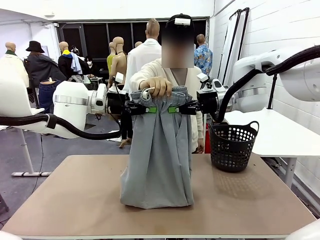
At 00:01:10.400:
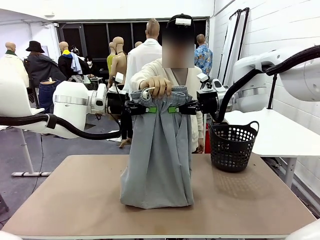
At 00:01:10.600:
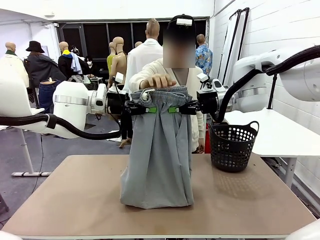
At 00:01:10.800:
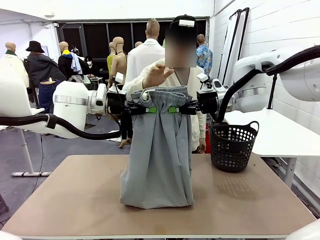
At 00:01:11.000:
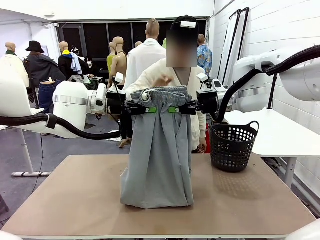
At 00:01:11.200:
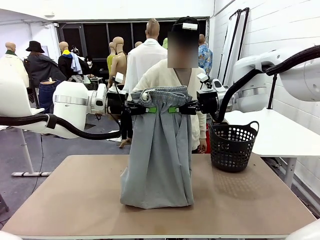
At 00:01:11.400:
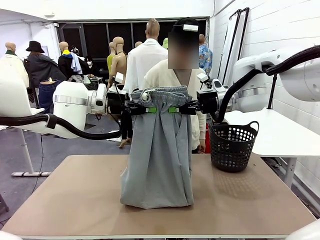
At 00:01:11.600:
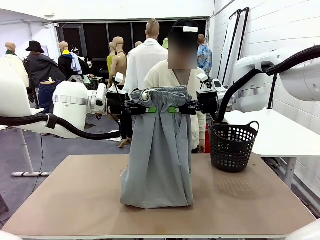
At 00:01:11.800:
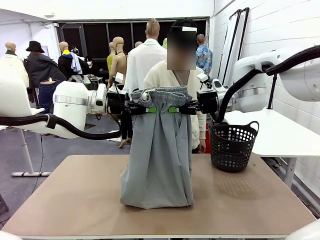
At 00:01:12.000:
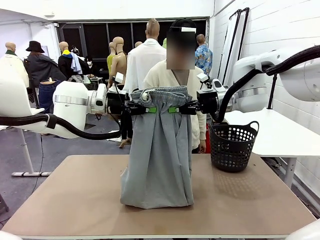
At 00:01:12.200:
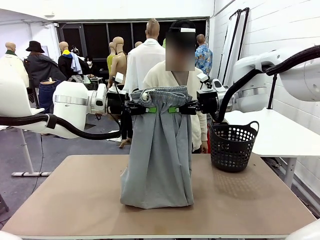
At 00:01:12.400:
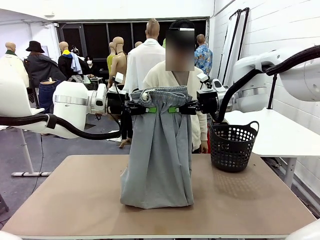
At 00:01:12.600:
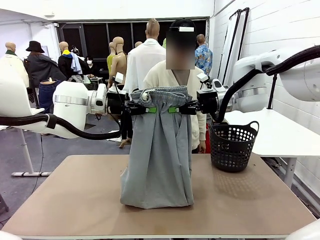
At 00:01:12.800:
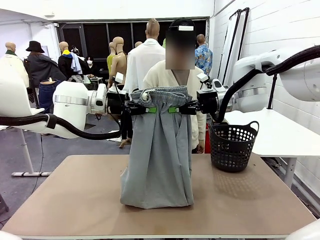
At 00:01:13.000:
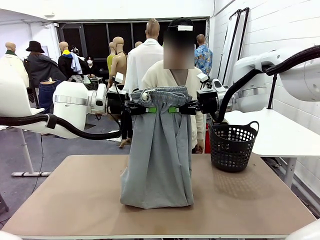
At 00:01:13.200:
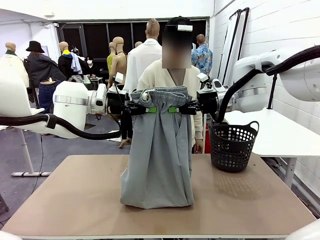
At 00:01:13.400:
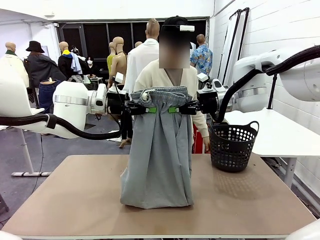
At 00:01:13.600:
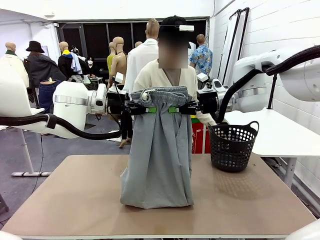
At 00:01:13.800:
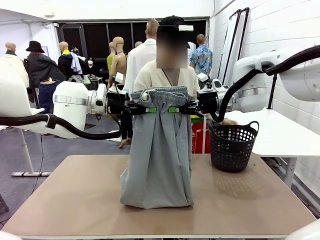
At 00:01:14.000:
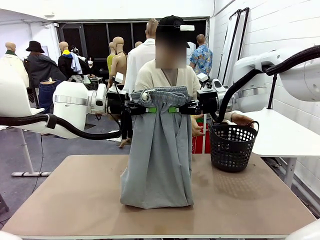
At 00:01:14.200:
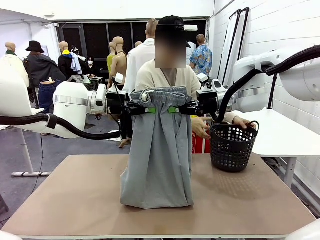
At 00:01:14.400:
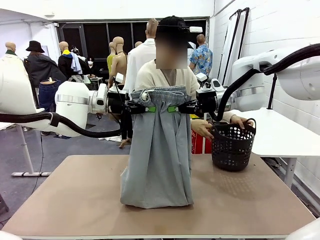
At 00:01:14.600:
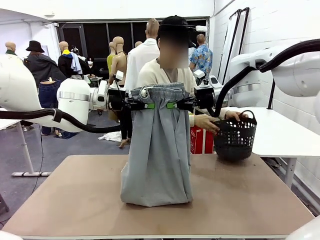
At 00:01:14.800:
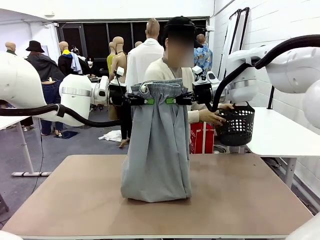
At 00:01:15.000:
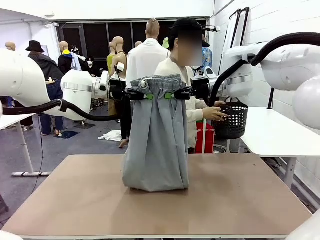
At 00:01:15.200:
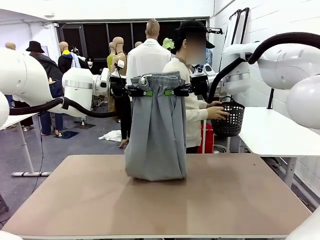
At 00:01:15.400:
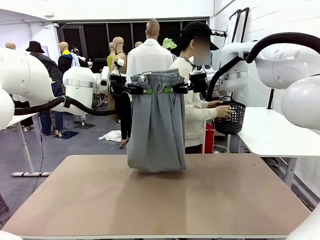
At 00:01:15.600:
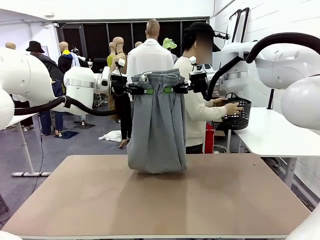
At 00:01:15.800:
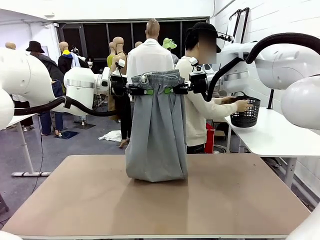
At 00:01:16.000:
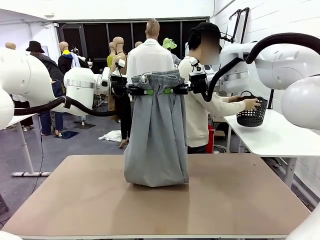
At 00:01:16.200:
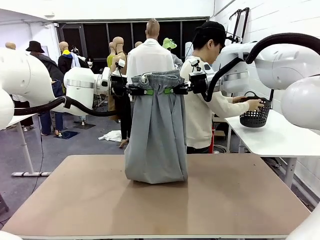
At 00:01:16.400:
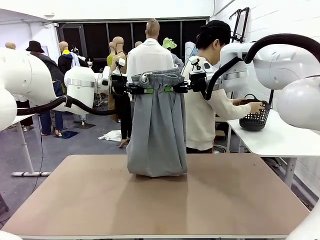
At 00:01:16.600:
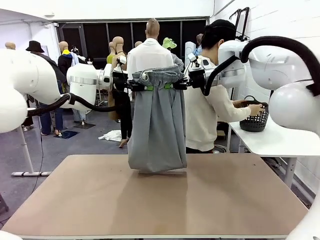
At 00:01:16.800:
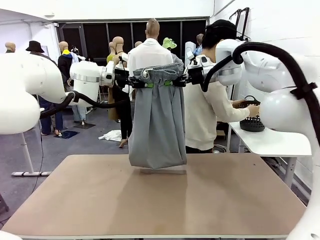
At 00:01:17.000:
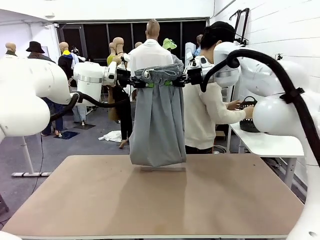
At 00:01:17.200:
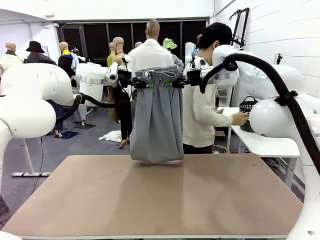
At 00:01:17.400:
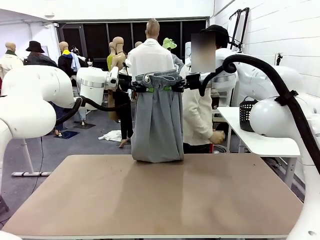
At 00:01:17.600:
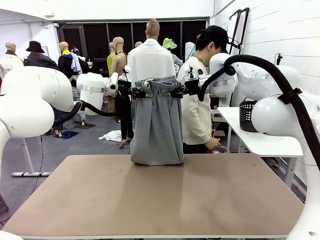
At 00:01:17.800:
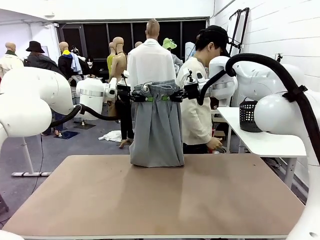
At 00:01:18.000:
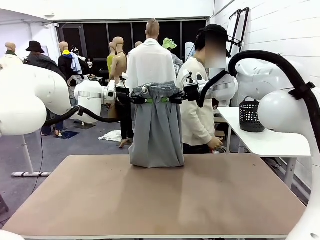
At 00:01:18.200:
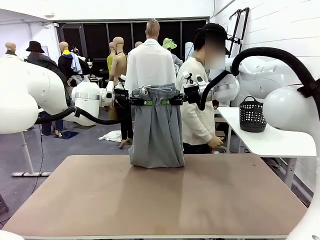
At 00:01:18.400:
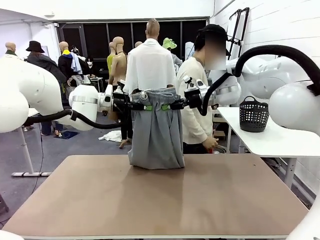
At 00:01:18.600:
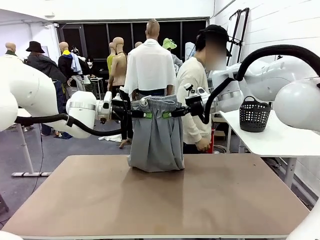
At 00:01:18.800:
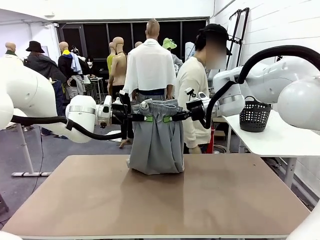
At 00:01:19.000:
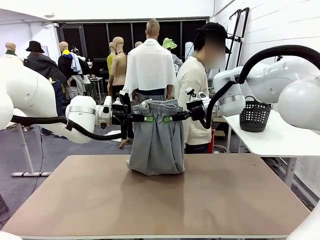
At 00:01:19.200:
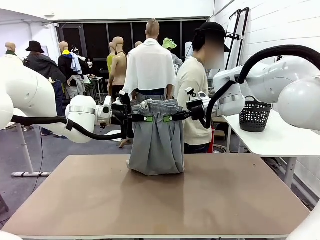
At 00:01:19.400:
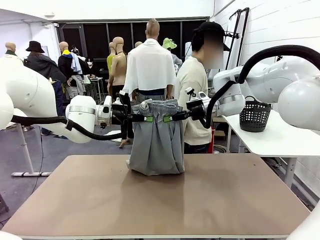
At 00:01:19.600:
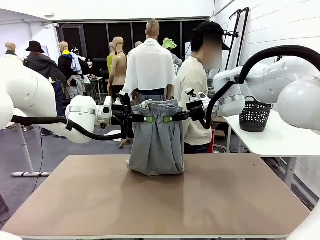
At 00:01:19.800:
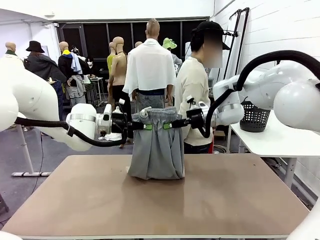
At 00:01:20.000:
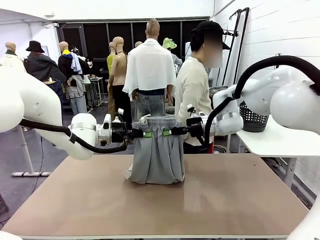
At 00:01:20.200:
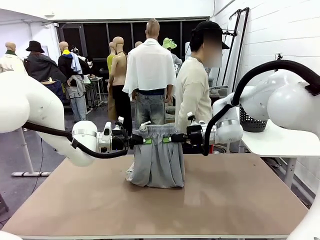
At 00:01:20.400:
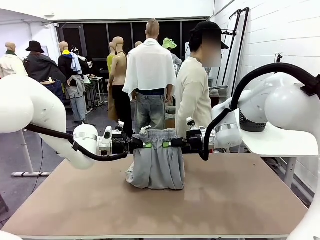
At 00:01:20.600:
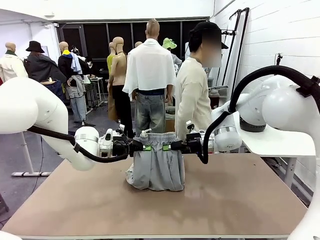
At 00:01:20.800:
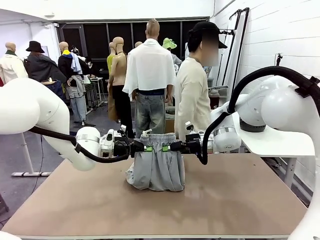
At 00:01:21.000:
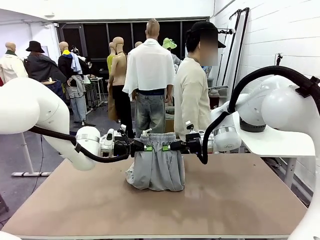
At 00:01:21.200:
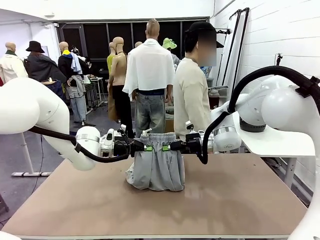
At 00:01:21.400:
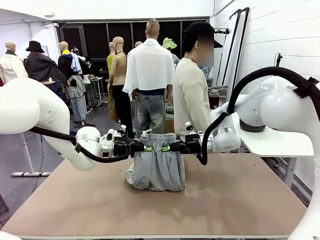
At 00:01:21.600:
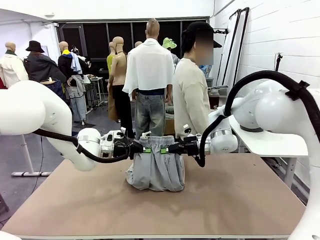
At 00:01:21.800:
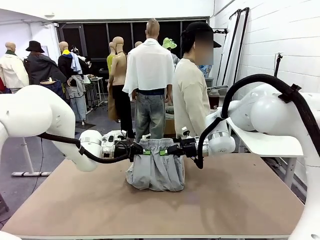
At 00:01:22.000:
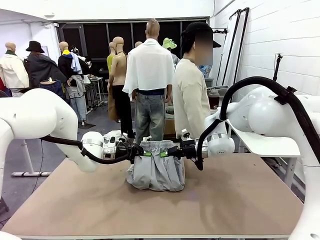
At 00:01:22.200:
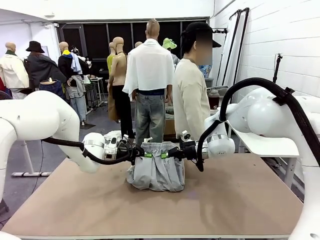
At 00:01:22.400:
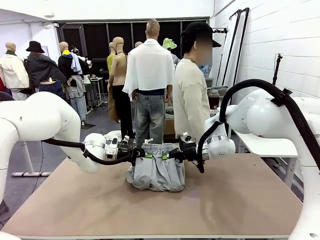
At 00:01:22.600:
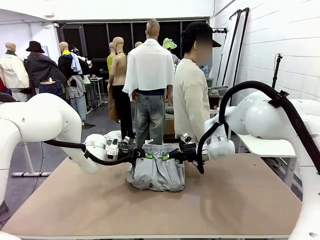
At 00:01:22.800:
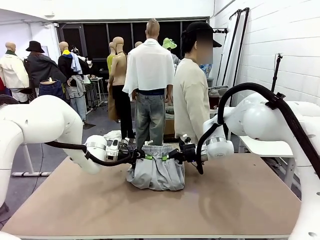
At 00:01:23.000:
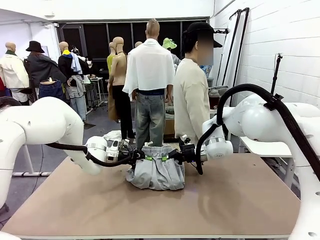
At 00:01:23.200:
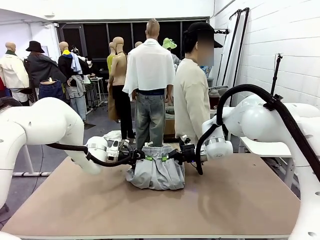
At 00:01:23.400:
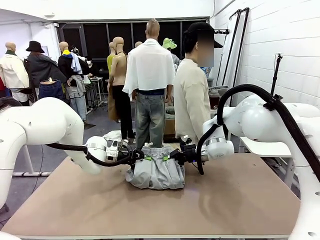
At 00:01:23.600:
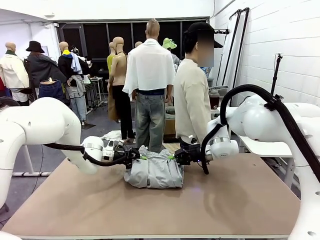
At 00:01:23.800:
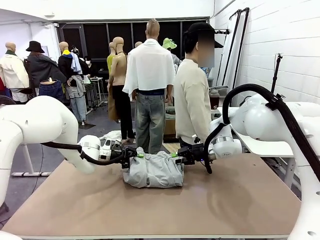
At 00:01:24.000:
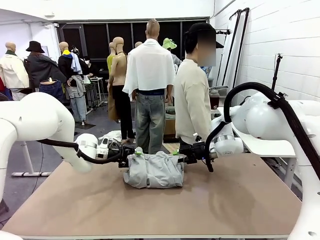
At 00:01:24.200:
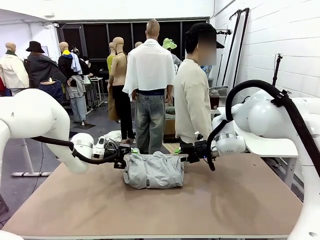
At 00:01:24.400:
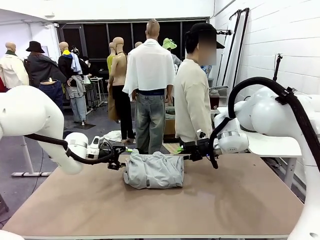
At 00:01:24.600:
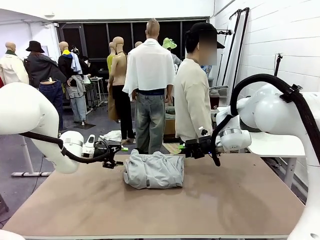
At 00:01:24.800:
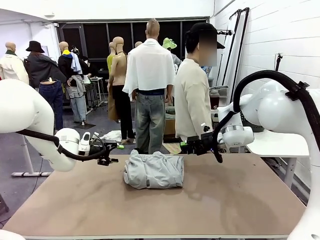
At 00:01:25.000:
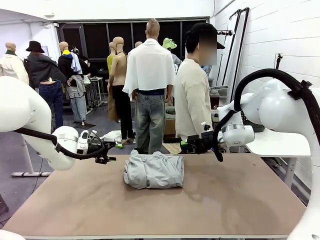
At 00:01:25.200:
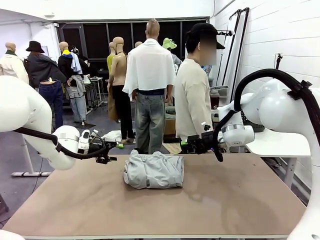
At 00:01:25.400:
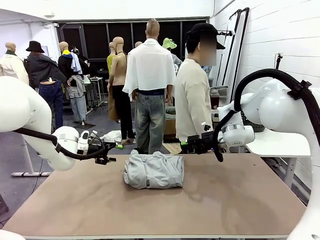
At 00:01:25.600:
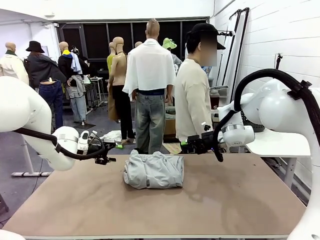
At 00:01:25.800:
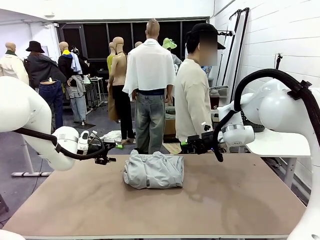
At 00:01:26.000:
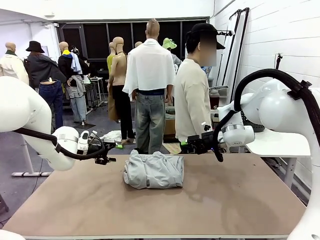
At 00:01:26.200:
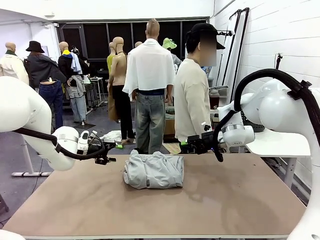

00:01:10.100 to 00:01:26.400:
Task: Fold the training pants.
Robot: Fold the Training pants in half.
Person: Move the laundry basket to the right of the human table.
